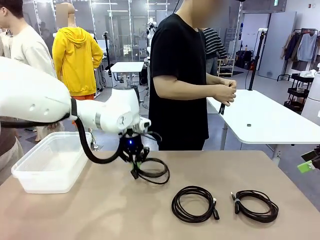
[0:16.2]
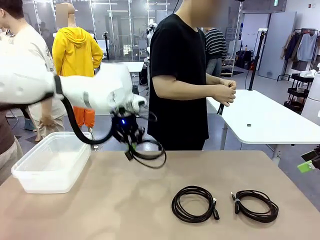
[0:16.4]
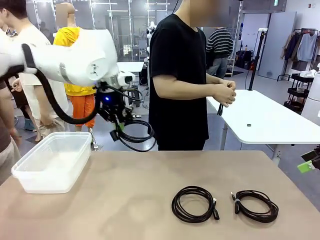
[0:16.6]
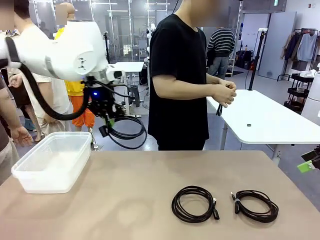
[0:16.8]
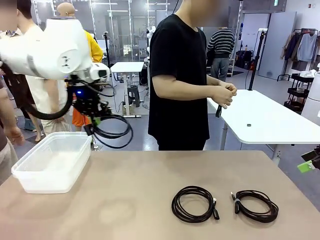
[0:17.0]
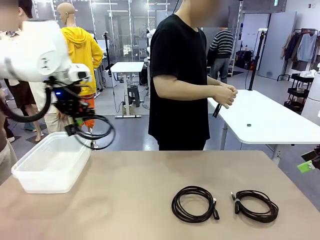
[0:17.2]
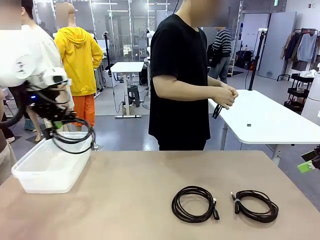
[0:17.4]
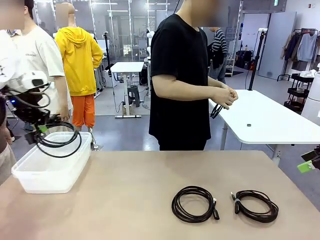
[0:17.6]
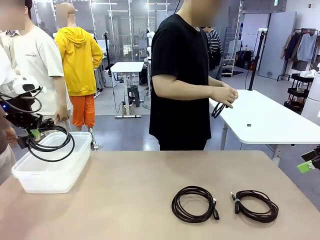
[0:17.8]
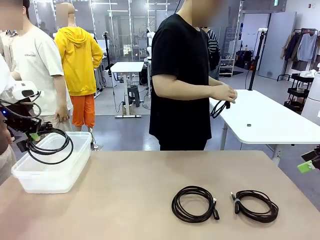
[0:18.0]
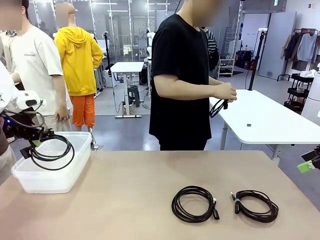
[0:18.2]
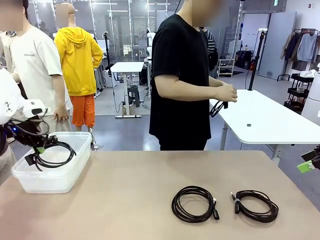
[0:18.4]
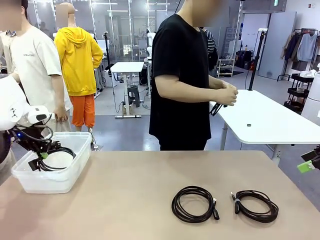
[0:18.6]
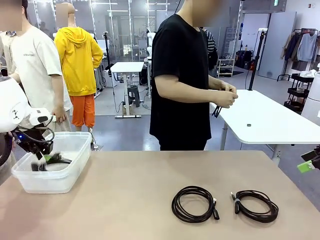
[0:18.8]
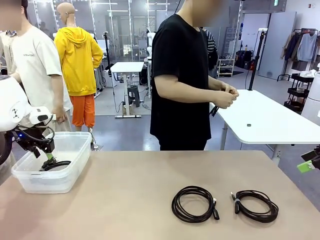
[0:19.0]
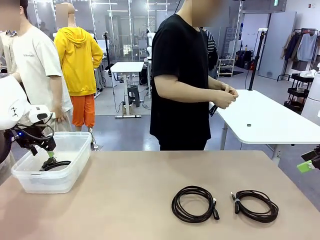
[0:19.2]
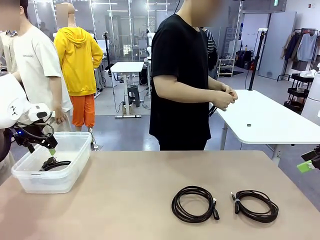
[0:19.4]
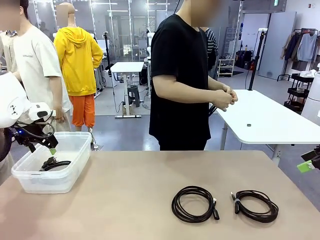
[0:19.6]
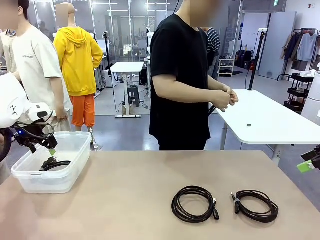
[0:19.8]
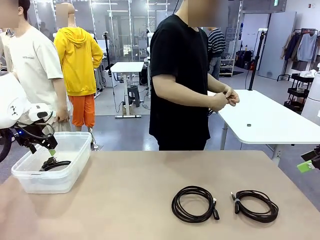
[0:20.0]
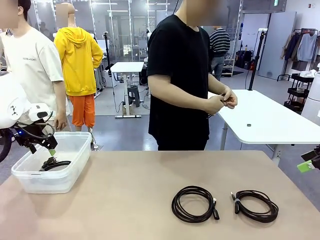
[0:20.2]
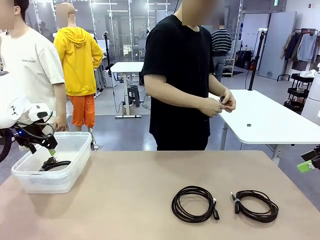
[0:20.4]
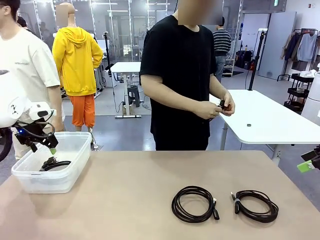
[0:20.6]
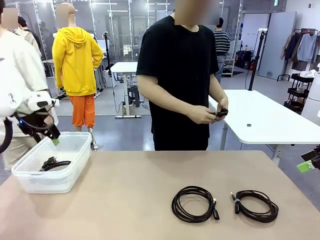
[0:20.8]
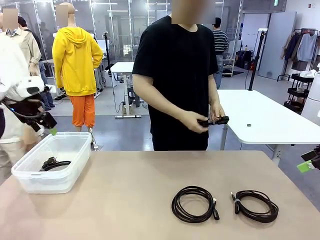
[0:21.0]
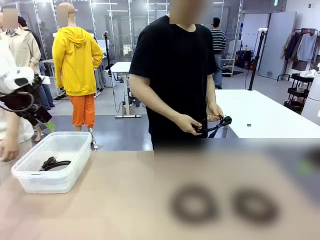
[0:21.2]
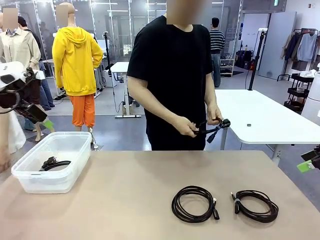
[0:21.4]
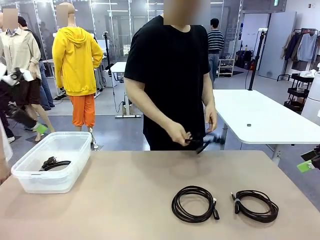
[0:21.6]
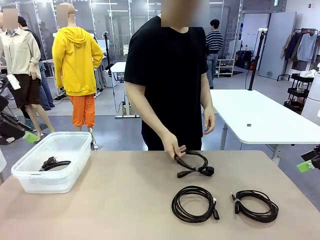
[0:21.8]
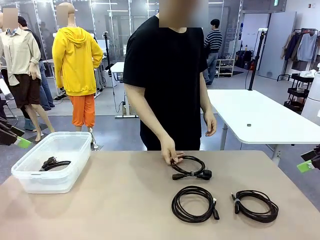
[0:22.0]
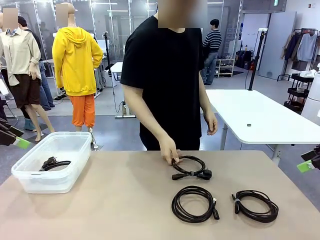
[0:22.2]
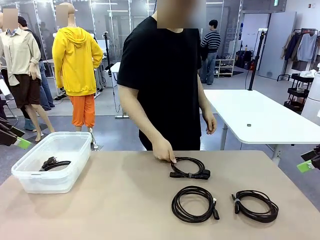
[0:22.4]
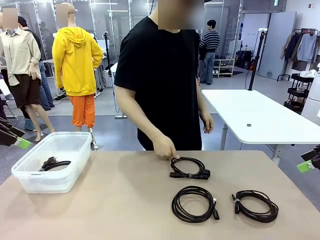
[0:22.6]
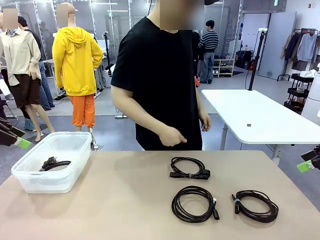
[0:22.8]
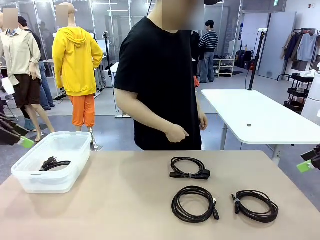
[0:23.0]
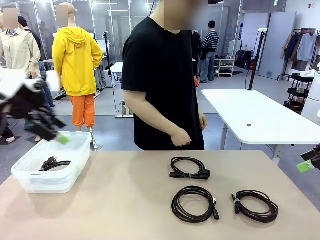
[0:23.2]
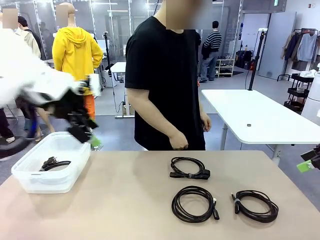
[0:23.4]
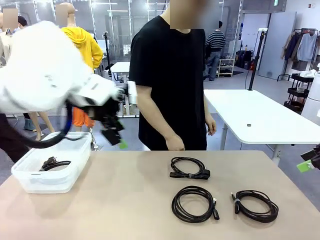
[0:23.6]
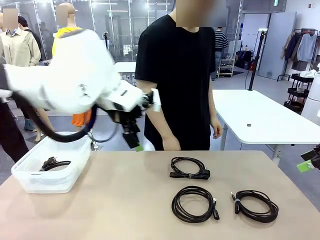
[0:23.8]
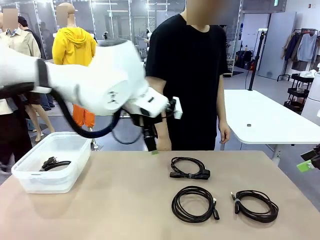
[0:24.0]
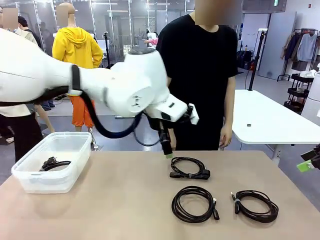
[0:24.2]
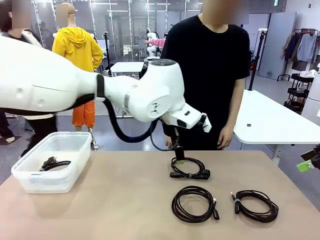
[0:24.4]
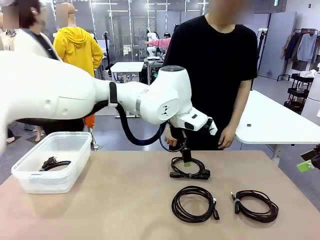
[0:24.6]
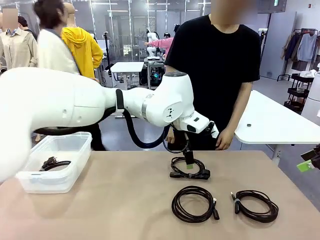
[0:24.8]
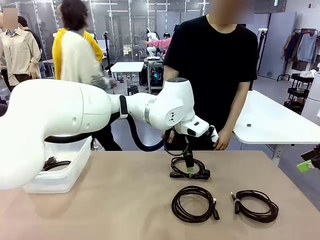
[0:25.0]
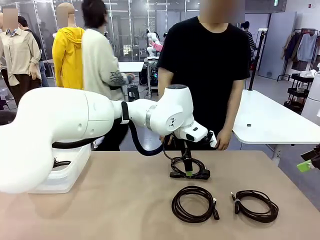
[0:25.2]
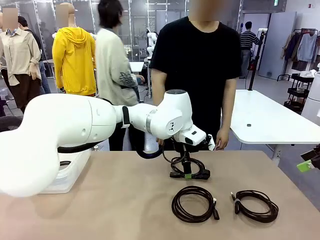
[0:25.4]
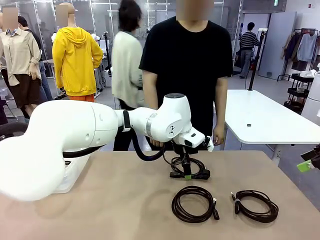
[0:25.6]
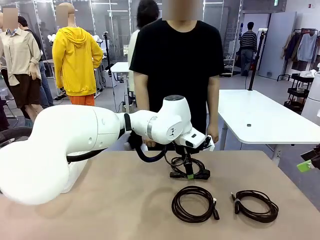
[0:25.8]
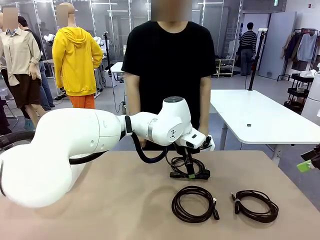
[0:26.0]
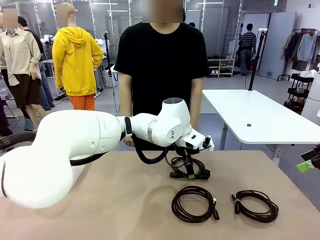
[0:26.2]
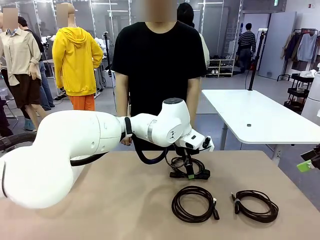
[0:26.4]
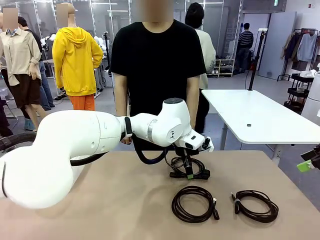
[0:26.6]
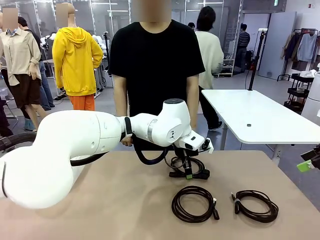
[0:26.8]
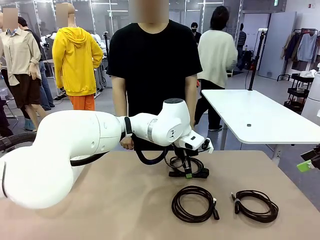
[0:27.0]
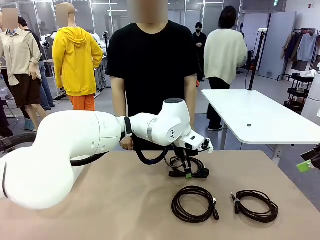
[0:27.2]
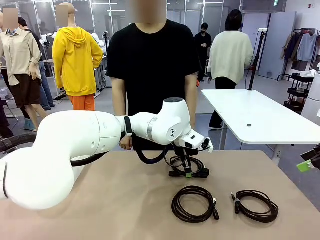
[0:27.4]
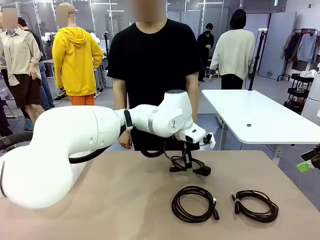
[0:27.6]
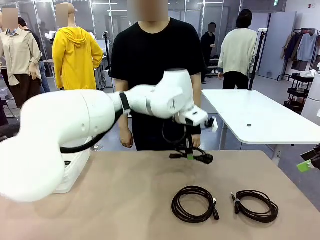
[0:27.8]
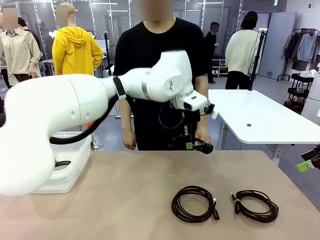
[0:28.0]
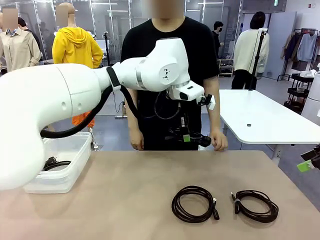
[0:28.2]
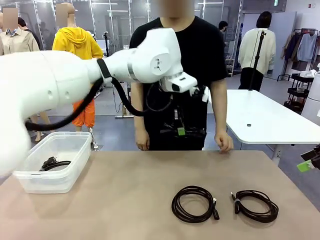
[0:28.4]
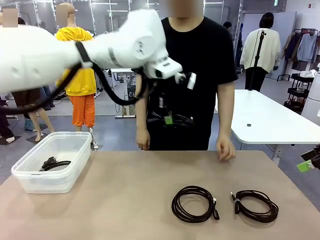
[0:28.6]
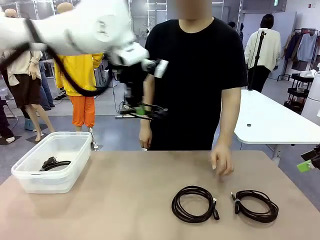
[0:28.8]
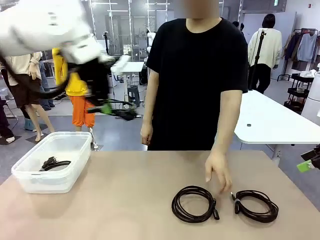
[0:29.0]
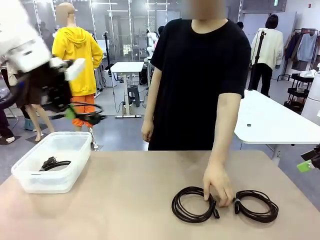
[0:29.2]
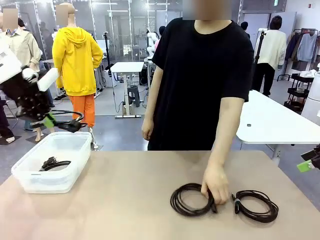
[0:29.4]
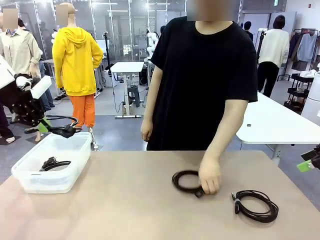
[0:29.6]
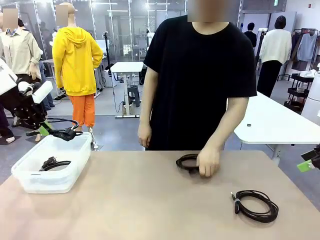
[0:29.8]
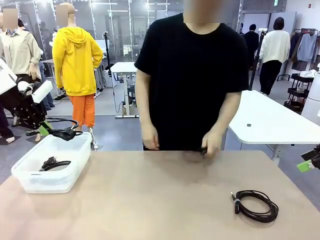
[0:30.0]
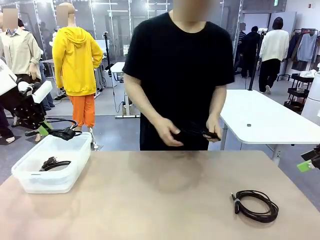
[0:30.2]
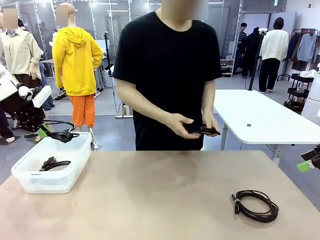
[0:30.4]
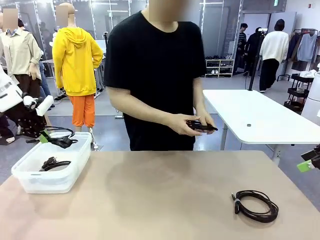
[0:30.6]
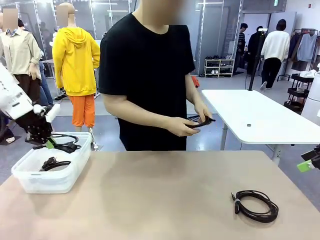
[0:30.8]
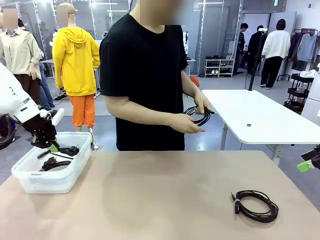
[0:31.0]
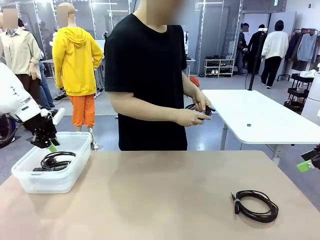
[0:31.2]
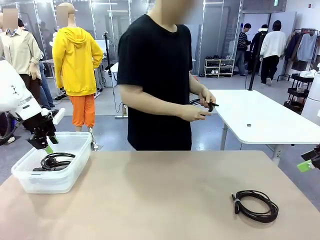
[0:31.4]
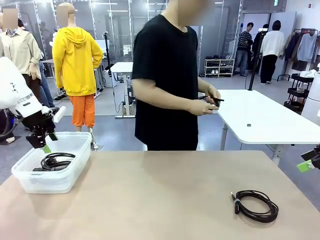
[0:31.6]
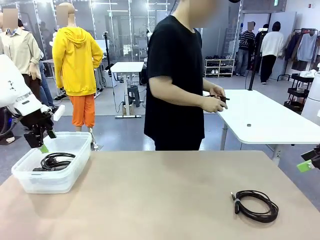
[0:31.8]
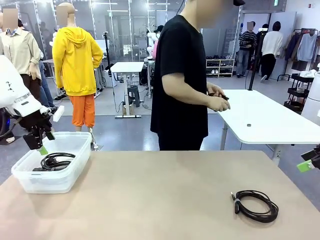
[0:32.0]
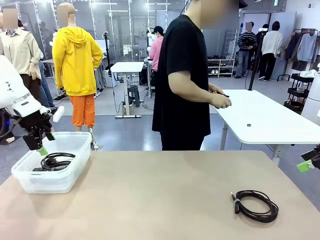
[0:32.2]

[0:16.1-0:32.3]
Task: Organize and store the cables.
Robot: Place the Power Cable into the Organizing box.

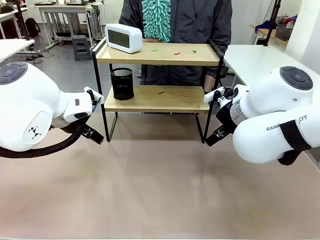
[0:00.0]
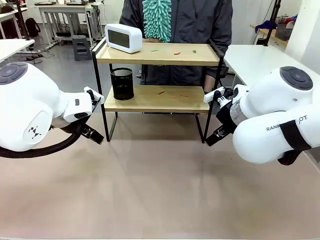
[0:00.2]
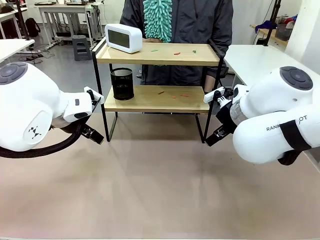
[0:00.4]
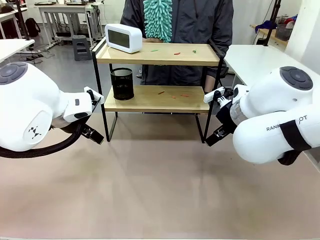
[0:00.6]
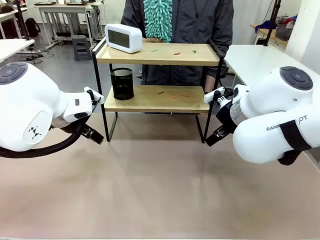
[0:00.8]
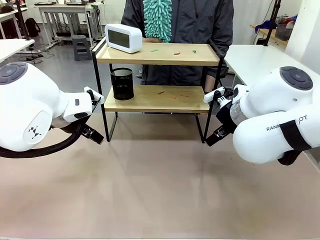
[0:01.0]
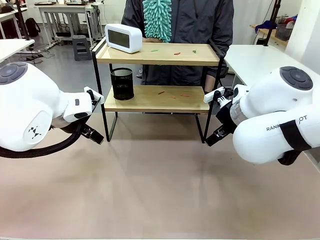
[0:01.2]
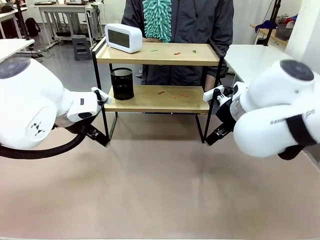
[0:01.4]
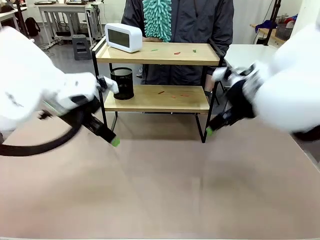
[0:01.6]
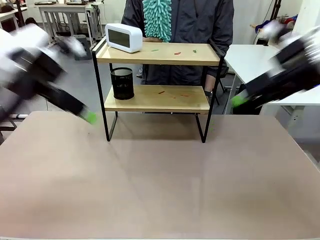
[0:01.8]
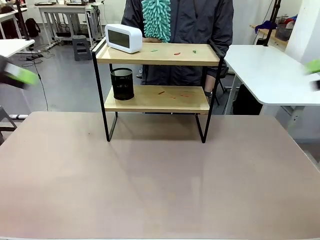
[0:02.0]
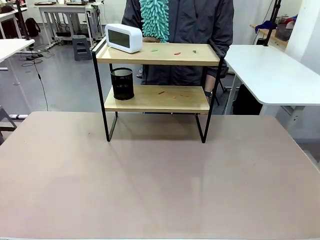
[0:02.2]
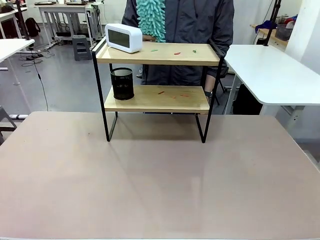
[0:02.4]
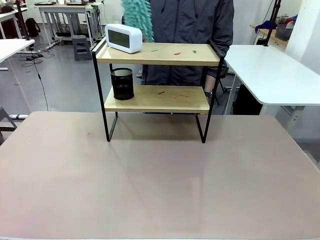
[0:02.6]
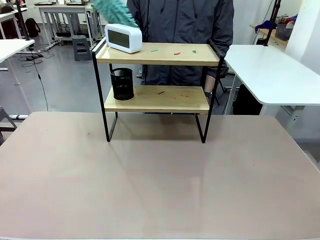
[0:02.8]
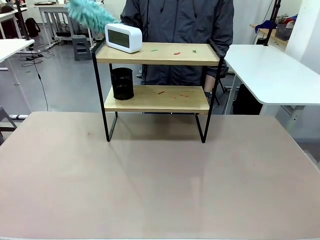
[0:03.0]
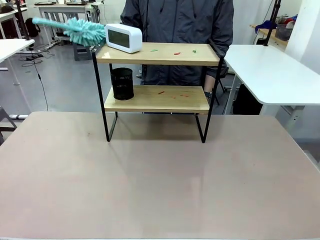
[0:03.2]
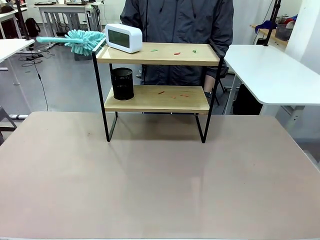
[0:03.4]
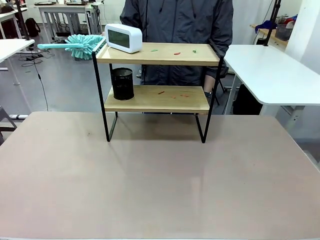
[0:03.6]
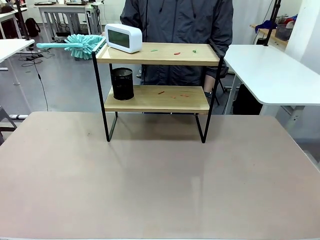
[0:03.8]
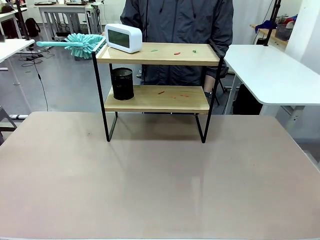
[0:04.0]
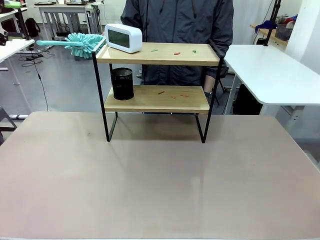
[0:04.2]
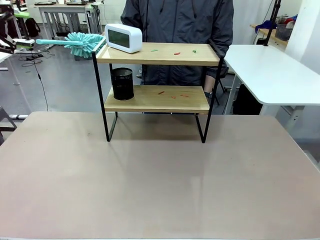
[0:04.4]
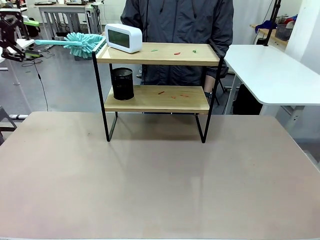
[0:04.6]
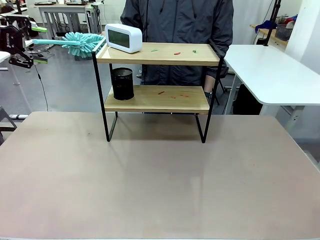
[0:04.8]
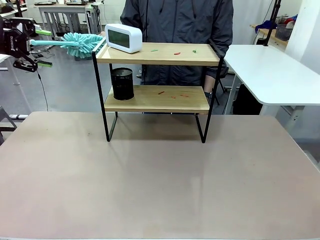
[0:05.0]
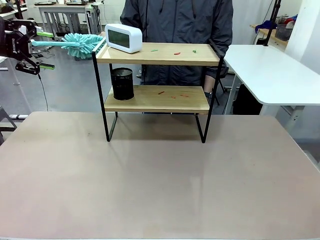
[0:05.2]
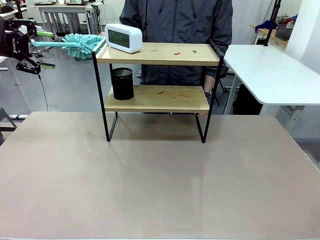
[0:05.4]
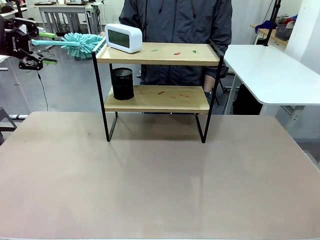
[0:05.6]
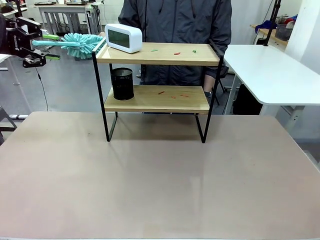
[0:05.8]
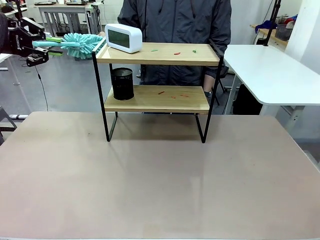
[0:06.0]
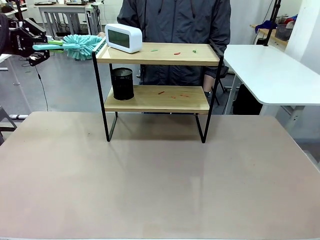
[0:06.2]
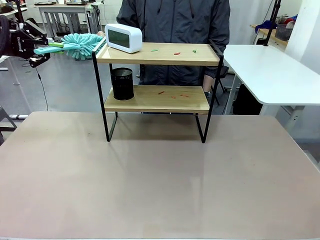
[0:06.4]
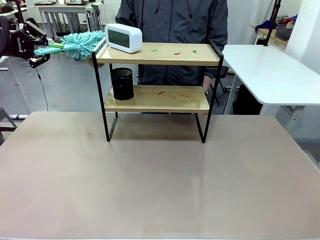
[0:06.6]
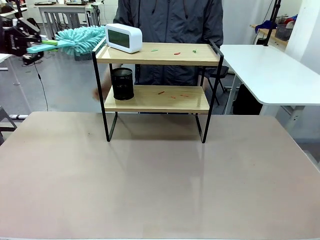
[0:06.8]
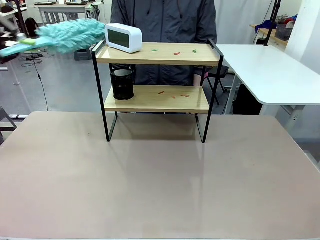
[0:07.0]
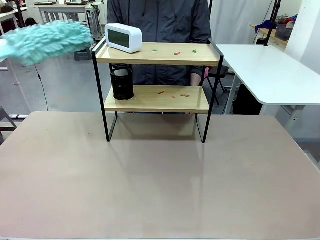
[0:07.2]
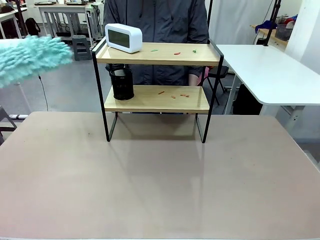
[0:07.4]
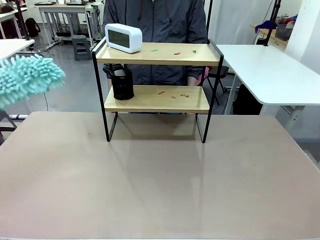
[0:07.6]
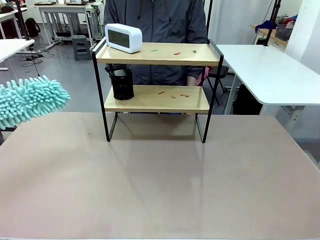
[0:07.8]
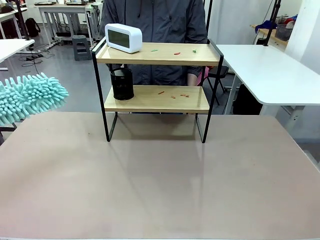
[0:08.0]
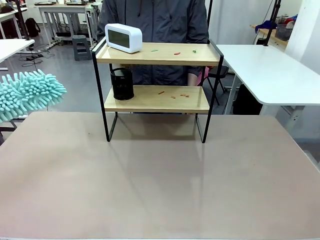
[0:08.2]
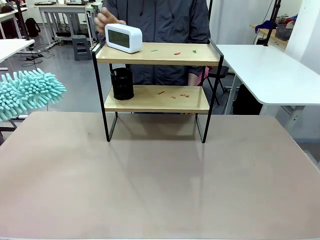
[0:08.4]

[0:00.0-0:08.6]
Task: Clean the shelf.
Robot: Pick up the Duster from the human.
Person: Hand the Duster to the robot.
